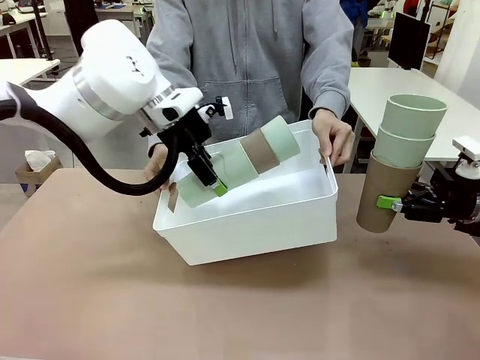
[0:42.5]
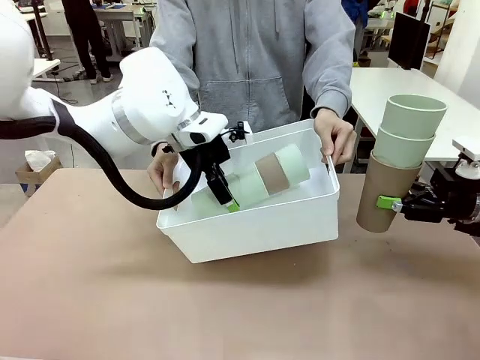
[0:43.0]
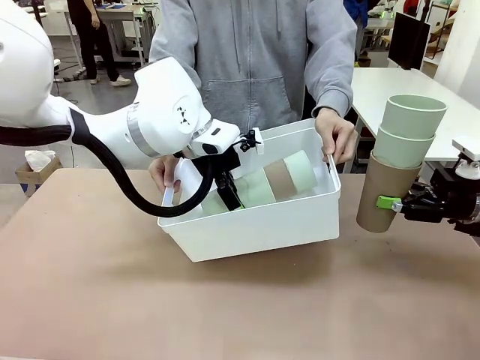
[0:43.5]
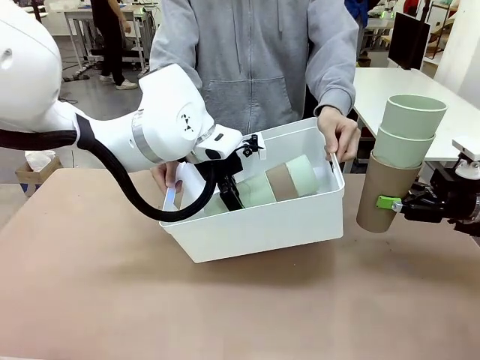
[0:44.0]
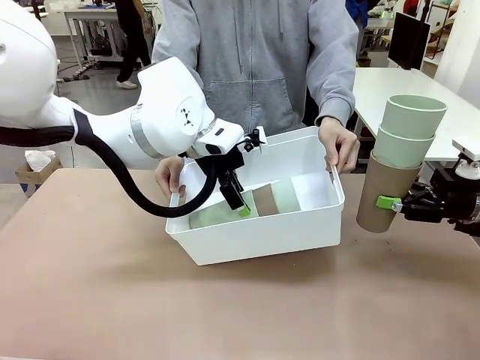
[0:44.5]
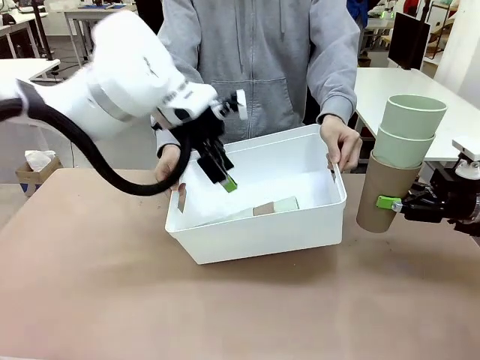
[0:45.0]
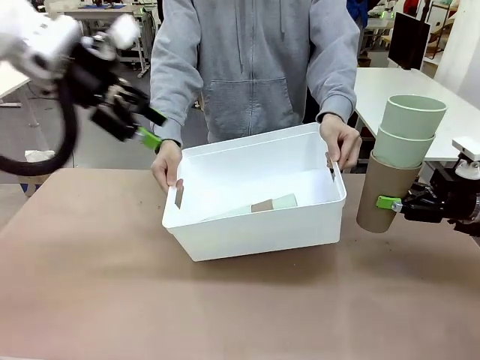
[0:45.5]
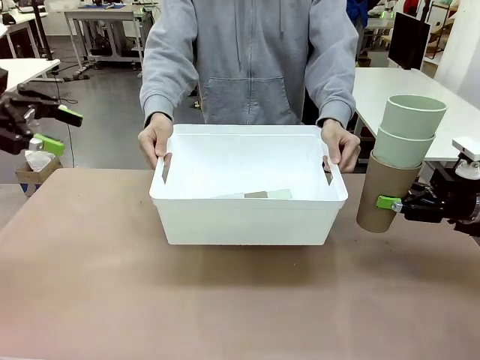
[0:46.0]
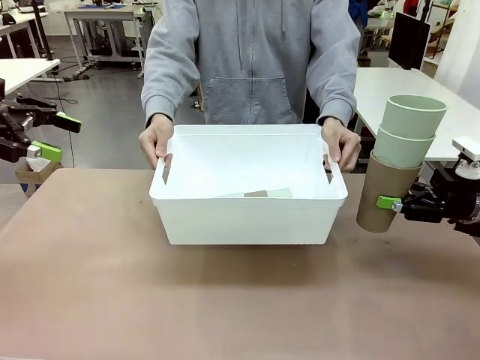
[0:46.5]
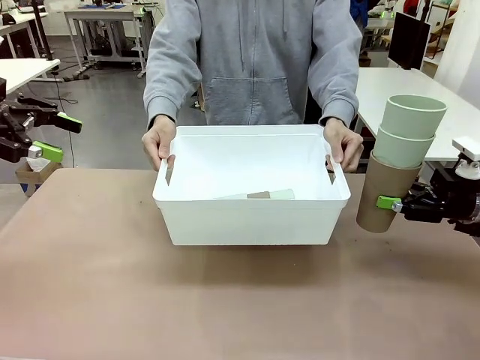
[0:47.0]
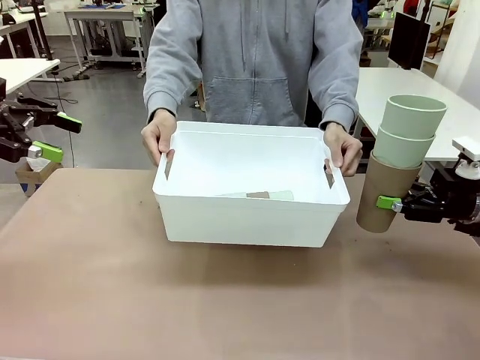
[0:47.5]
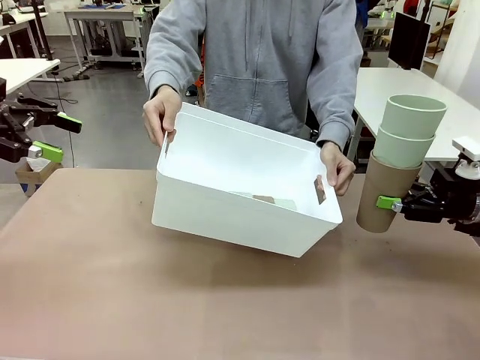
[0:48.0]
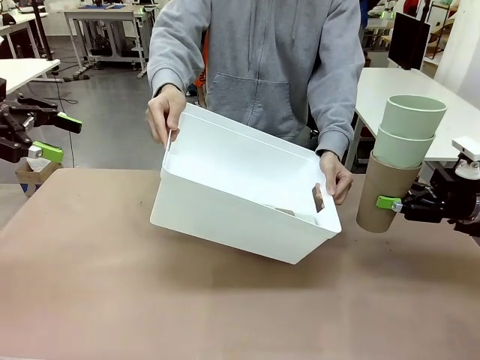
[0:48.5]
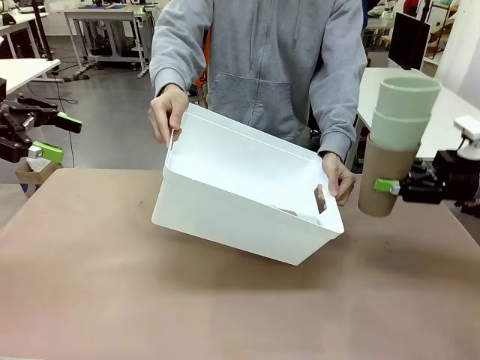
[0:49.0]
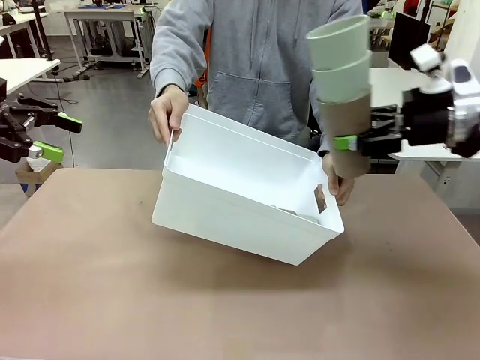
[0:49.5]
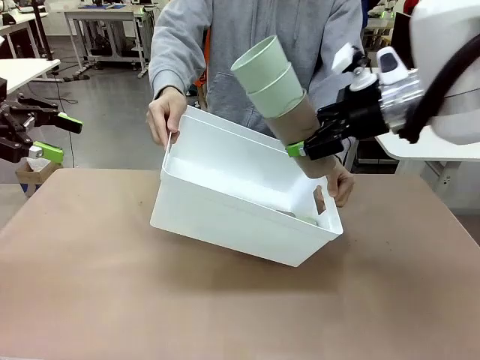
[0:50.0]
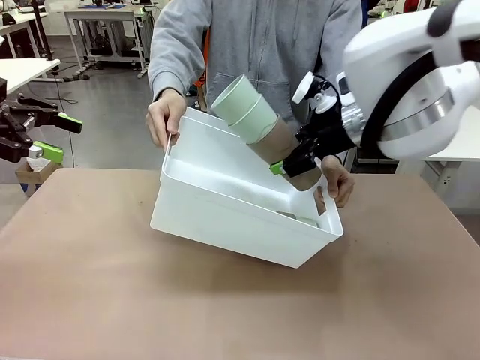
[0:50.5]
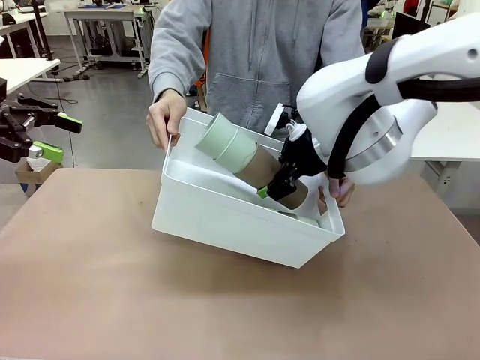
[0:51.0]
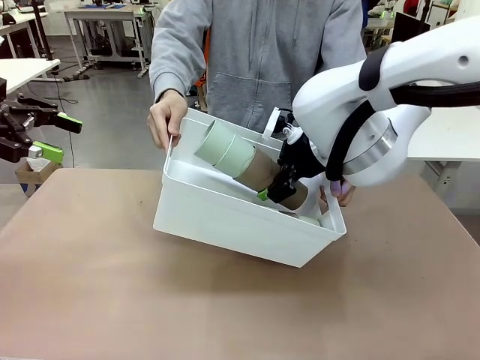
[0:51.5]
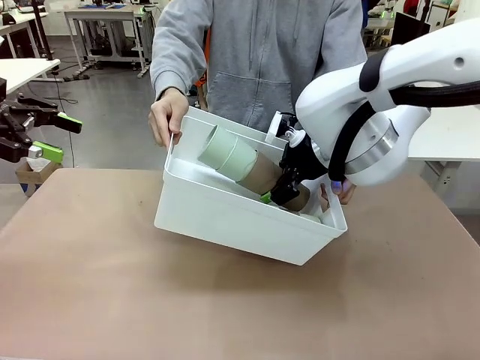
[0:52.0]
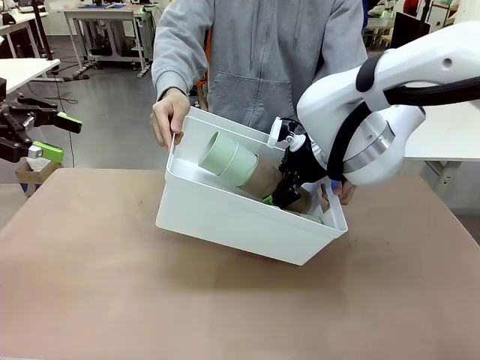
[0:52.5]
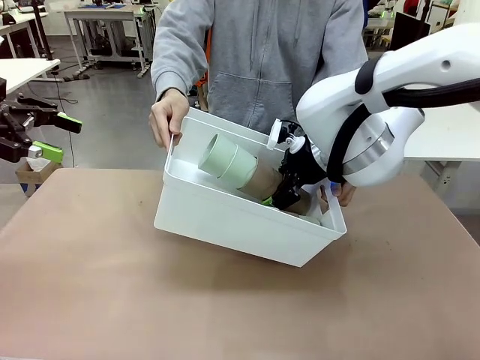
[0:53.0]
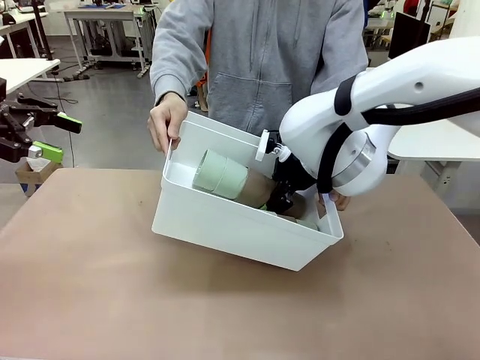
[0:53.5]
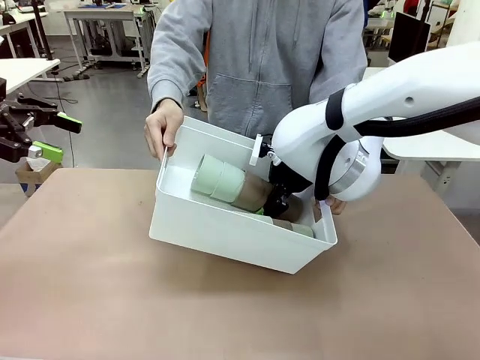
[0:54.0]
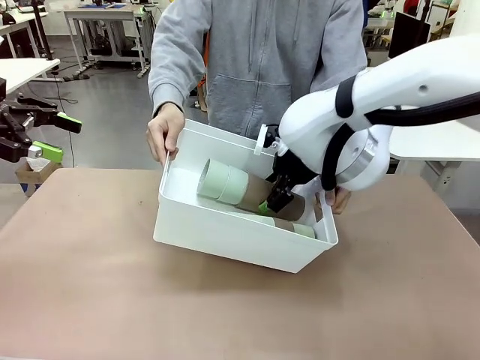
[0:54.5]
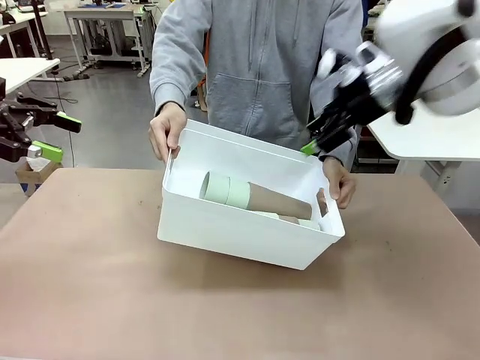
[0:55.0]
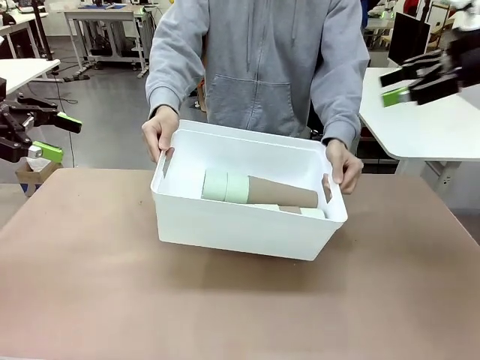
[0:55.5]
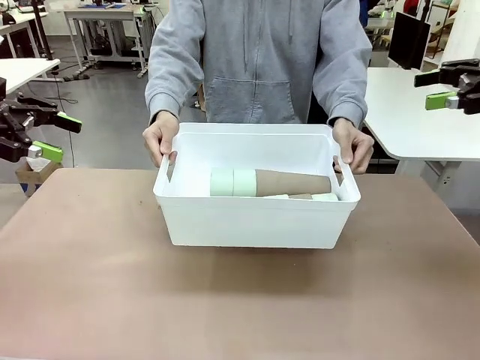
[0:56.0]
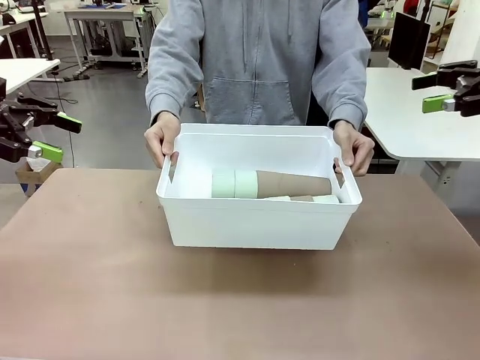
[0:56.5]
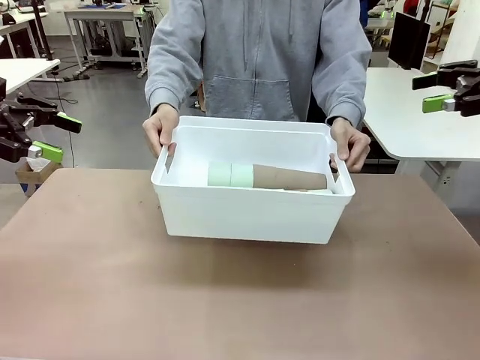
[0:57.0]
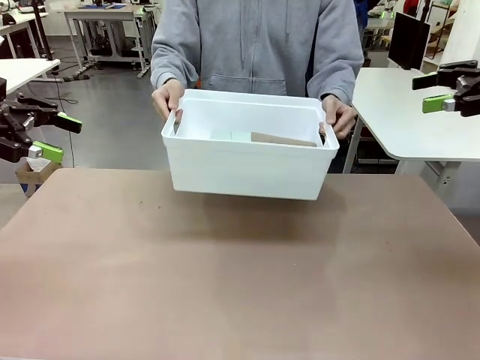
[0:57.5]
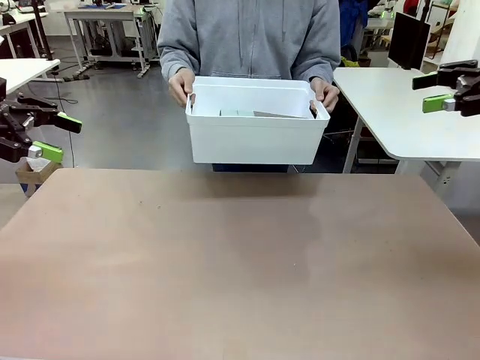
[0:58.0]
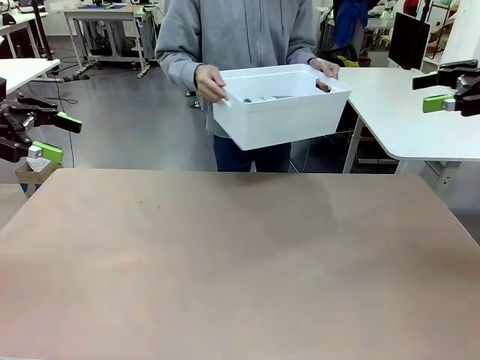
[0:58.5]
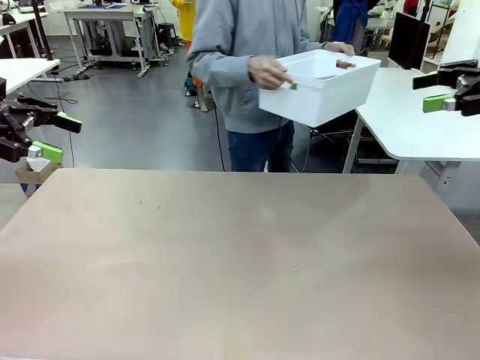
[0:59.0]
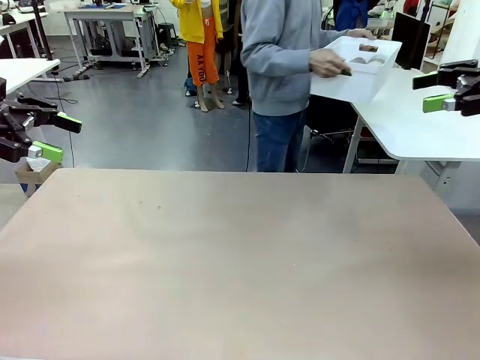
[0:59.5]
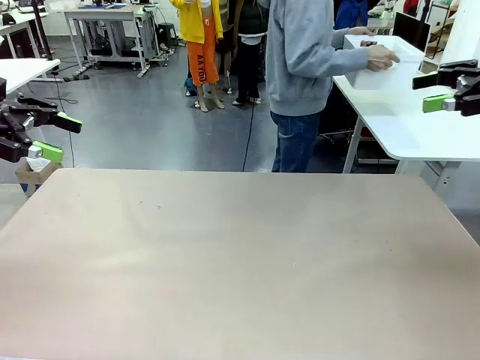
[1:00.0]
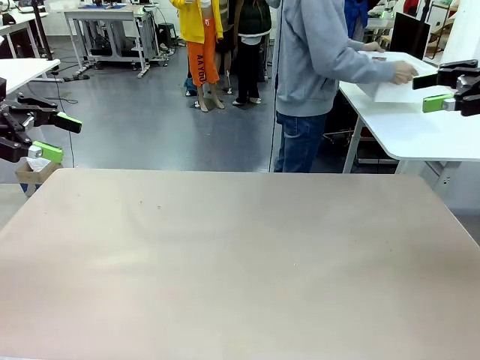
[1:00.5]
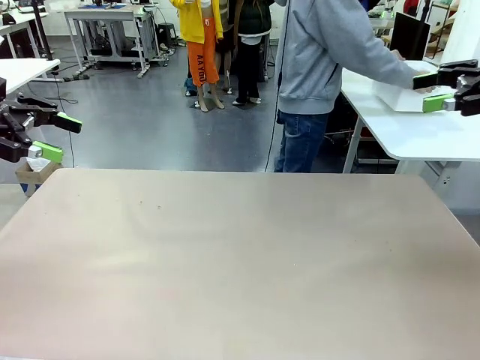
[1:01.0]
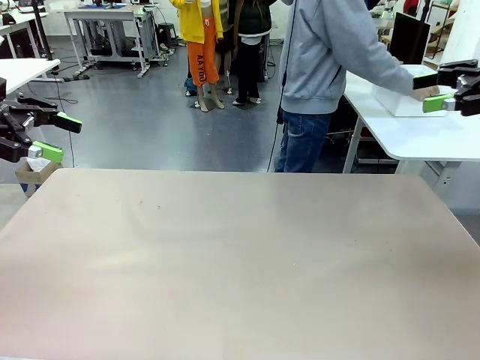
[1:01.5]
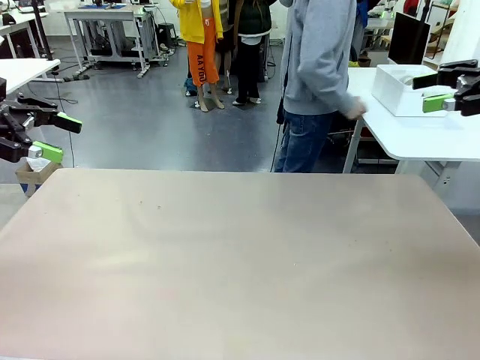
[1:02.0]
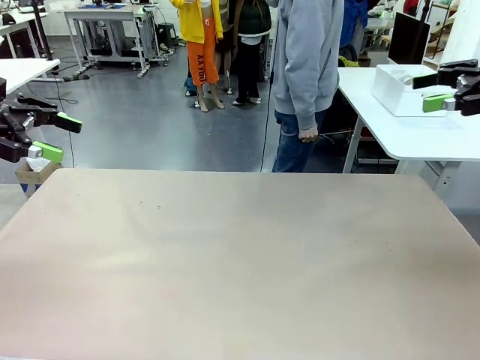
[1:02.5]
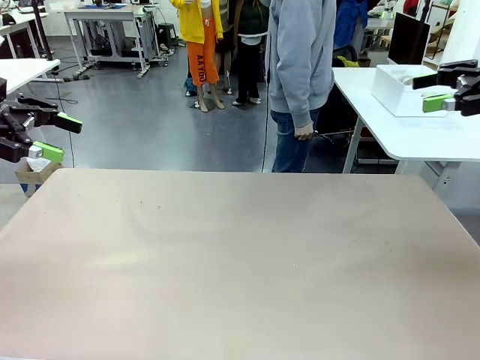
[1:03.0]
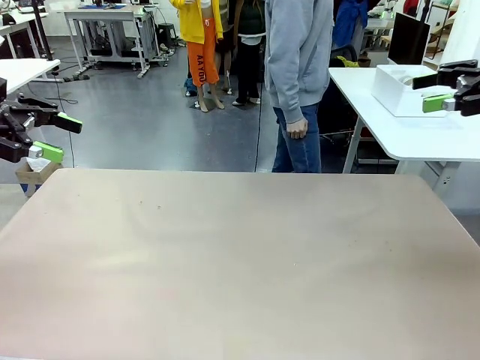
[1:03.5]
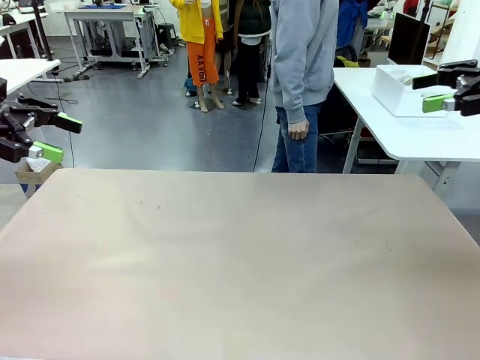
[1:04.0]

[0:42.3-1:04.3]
Task: Stack the cups and store them in the basket.
Robot: Place the stack of Reusable plastic cups into the Pantry Basket.
Person: Place the basket containing the cups in the middle of the Human Table.

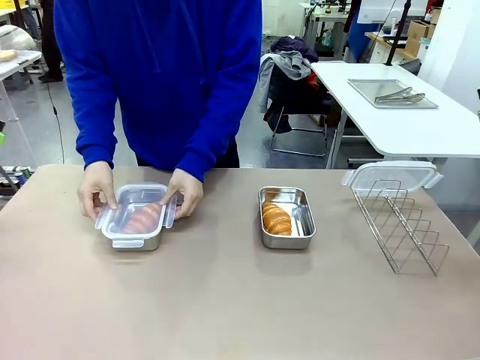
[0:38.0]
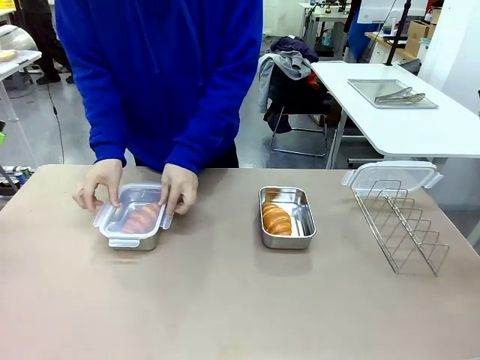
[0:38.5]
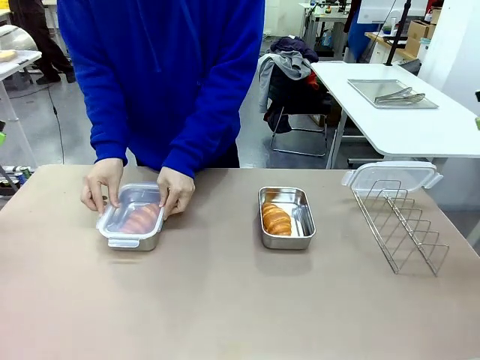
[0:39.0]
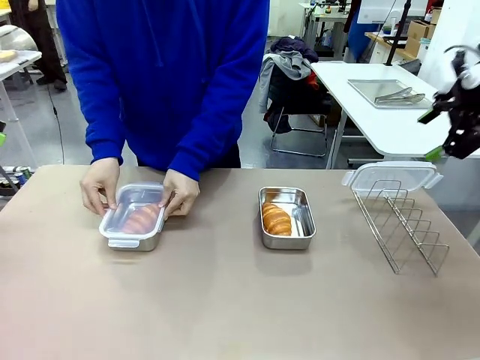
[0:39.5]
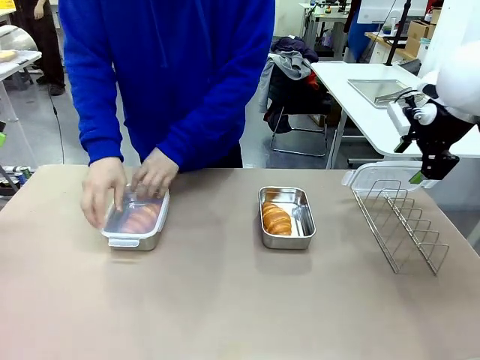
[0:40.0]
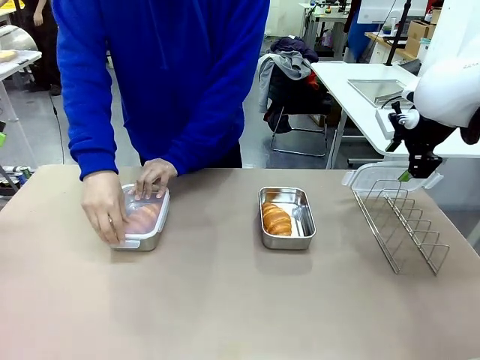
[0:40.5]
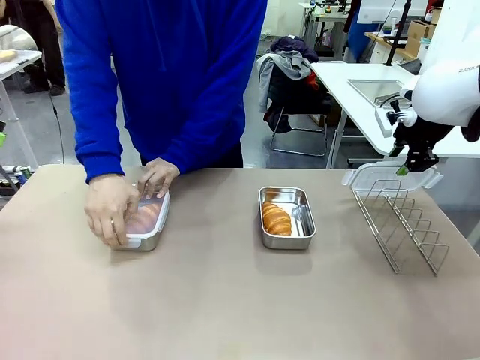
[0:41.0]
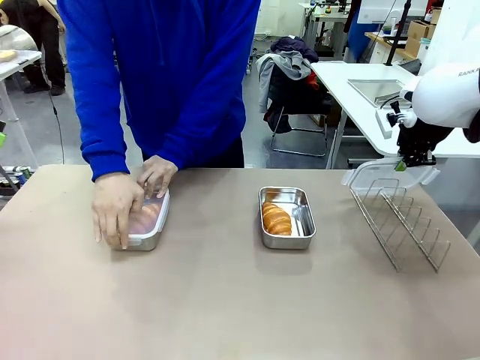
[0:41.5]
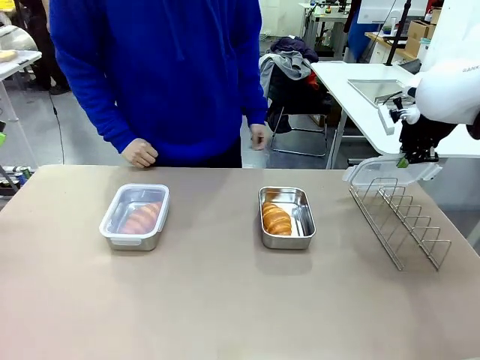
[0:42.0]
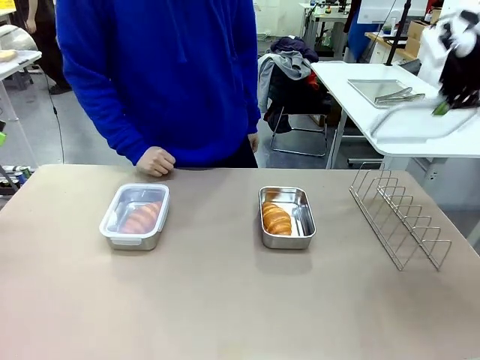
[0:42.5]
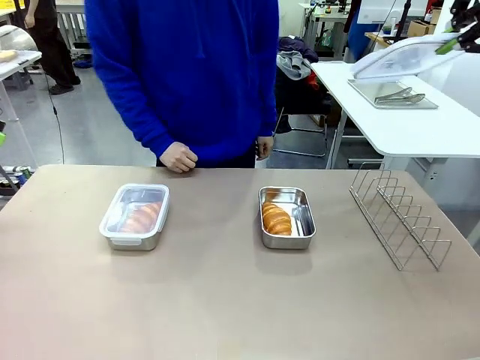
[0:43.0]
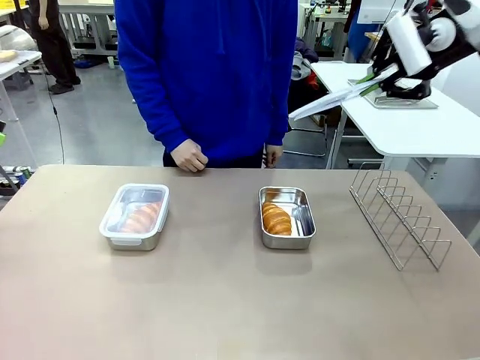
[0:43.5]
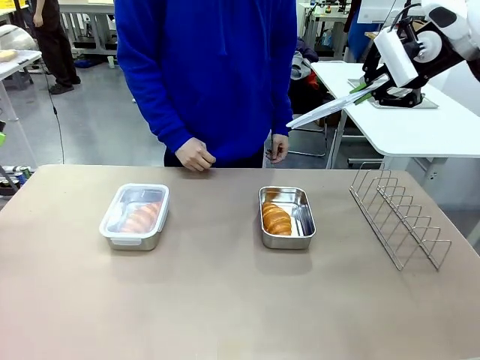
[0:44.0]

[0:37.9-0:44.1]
Task: Place the bread in airtight containers.
Robot: Pick up one Airtight Container lid and hand it to the human.
Person: Close Airtight Container with a handed Airtight Container lid. Grip Airtight Container lid that robot is handing.
